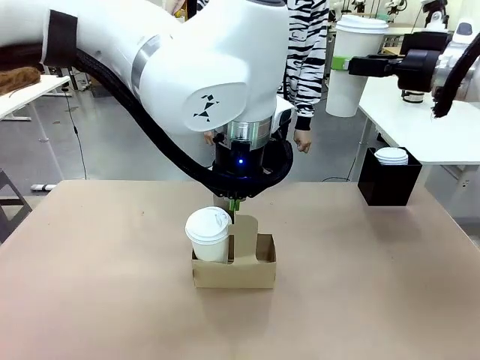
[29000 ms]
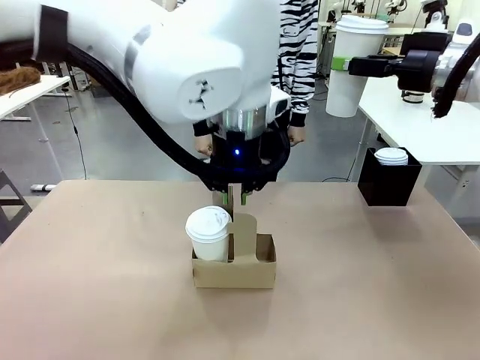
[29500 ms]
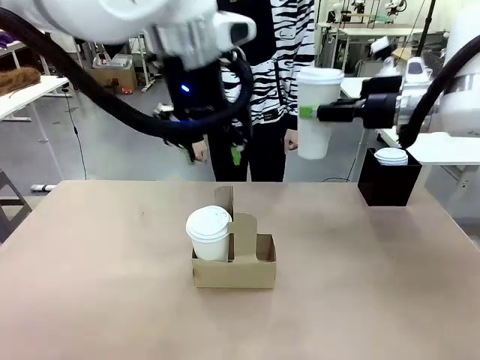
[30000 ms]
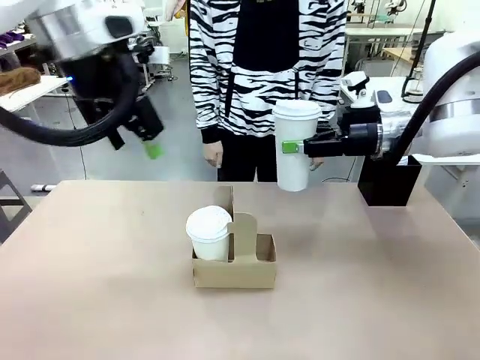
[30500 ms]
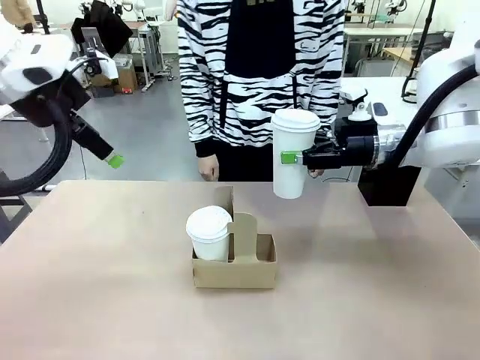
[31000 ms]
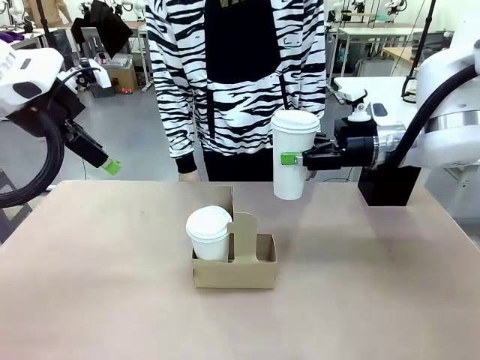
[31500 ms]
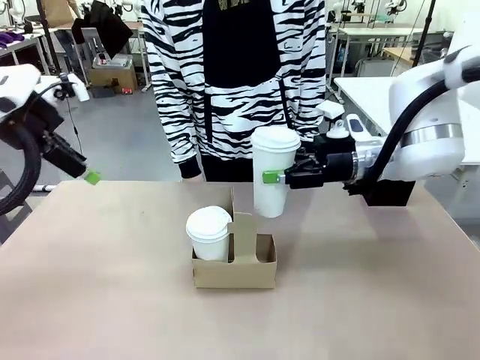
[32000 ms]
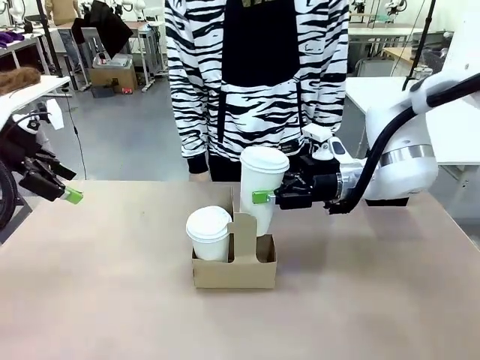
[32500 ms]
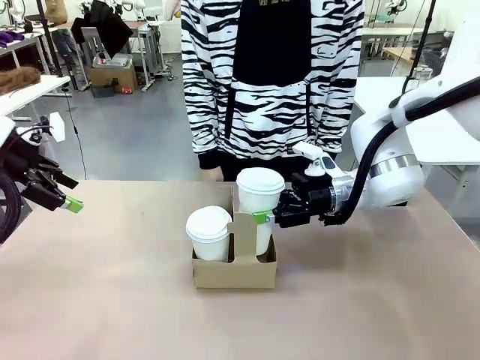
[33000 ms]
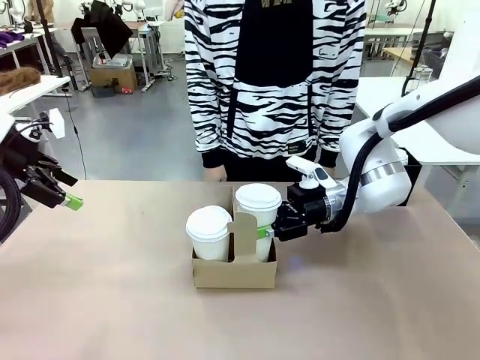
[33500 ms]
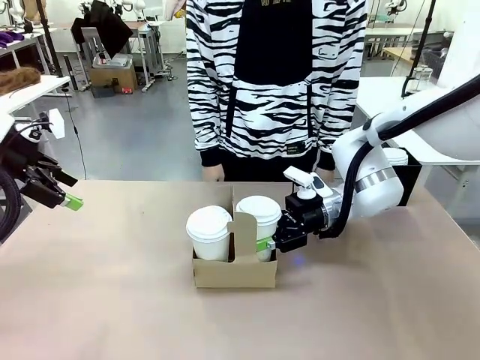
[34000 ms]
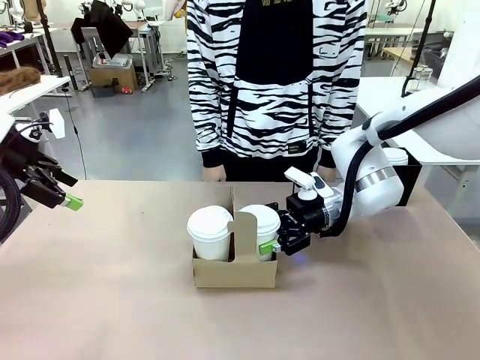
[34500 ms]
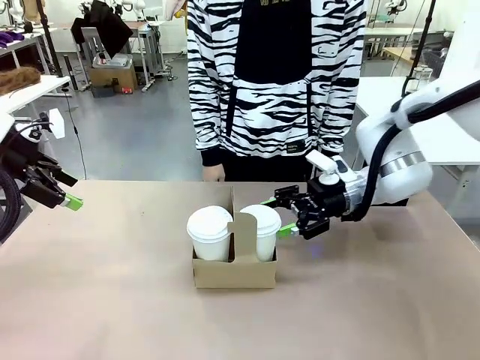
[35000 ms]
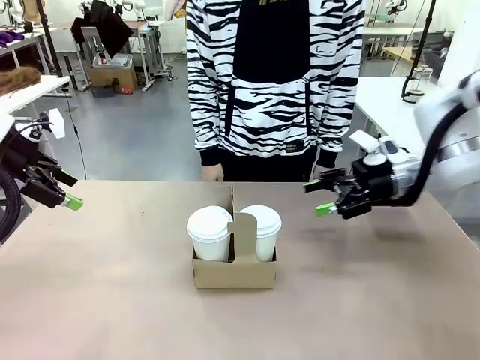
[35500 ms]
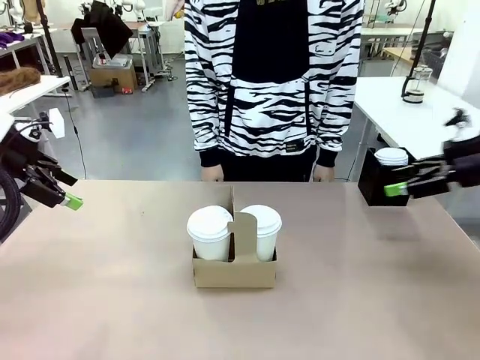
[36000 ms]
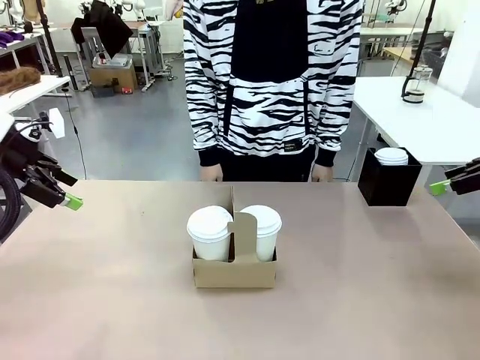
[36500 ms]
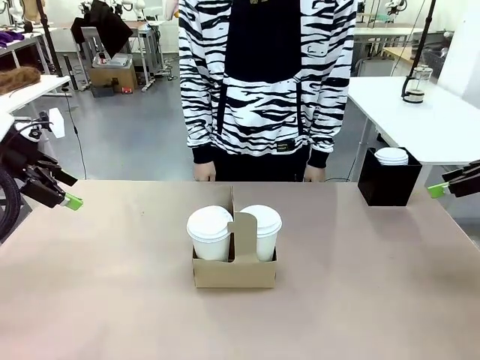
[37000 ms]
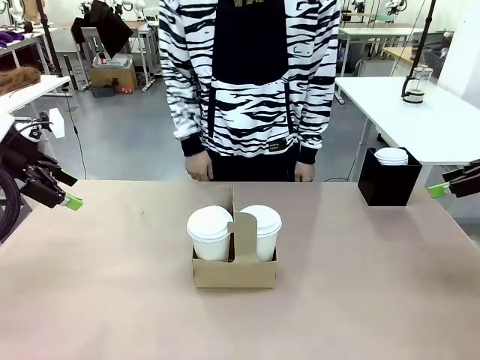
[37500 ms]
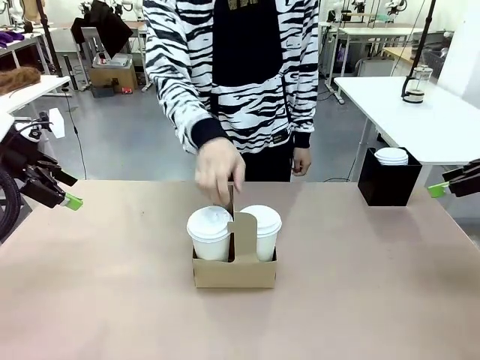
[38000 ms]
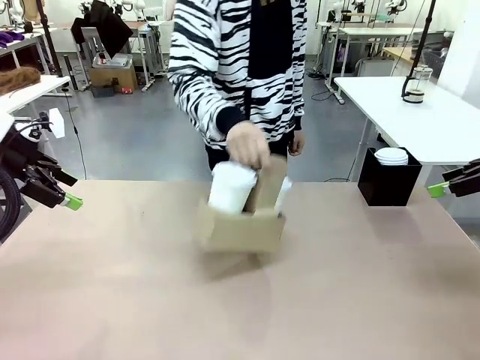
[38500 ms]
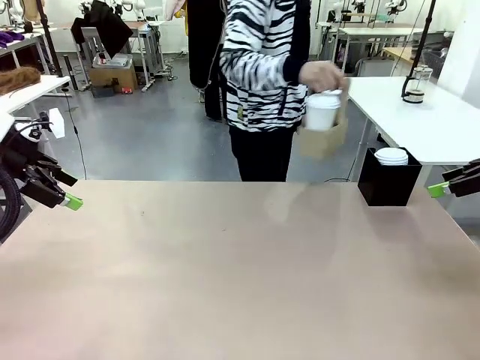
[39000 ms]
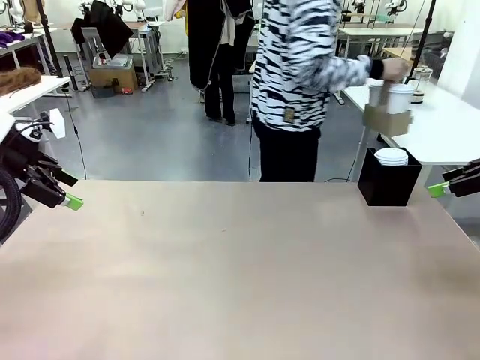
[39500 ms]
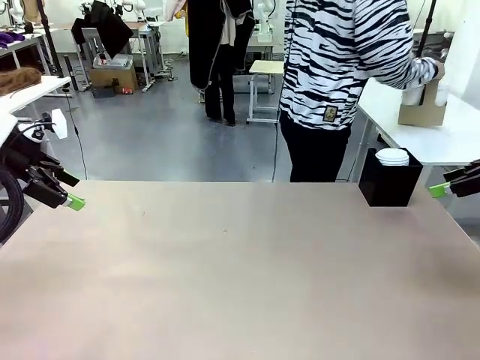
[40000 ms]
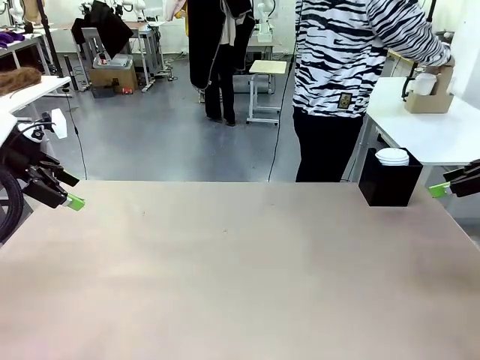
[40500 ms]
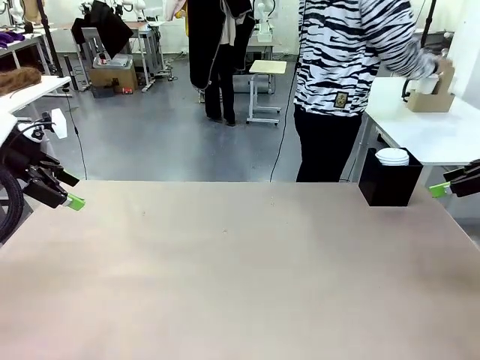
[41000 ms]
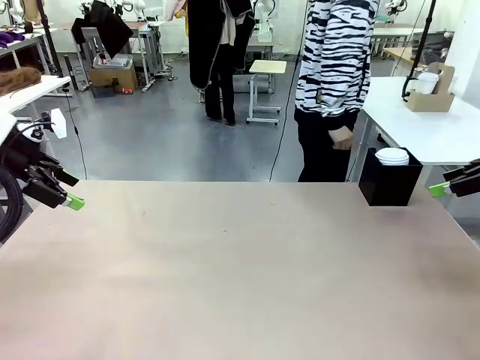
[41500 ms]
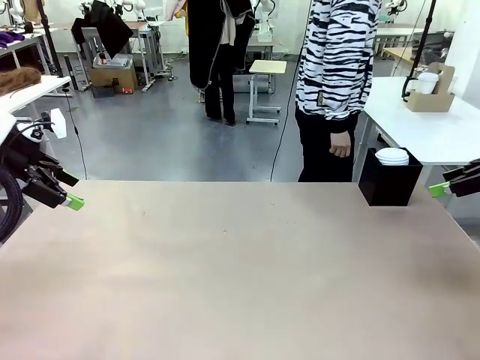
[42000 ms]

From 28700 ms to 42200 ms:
Task: Pour a drink into a cup and package it in a carrier.
Robot: Insert the held 600 ml Paper Cup into the Cup Carrier.
Person: Place the Cup Carrier to the middle of Human table.

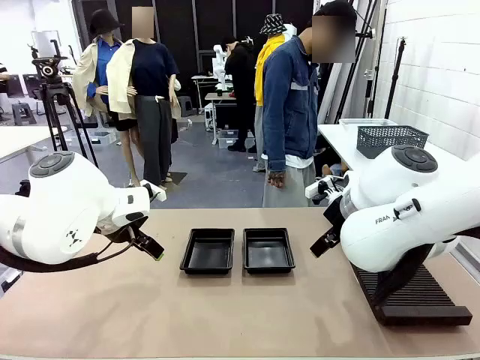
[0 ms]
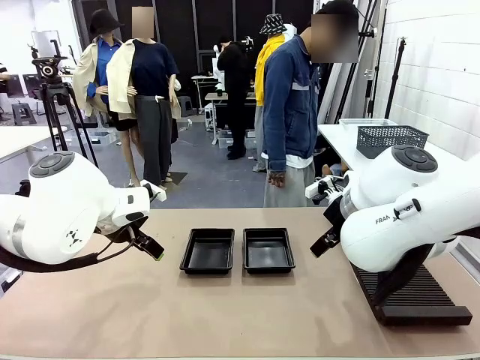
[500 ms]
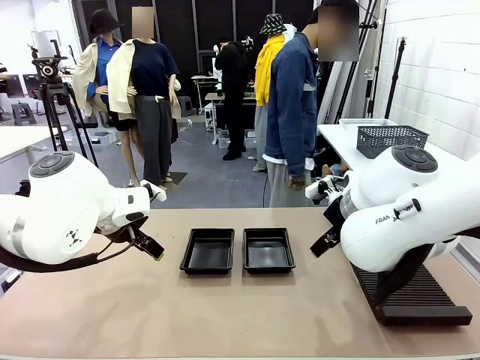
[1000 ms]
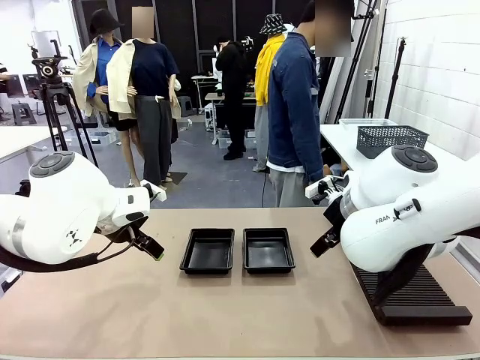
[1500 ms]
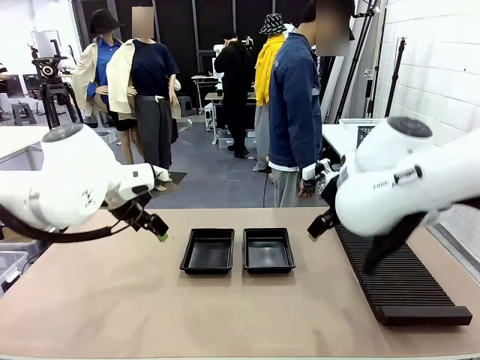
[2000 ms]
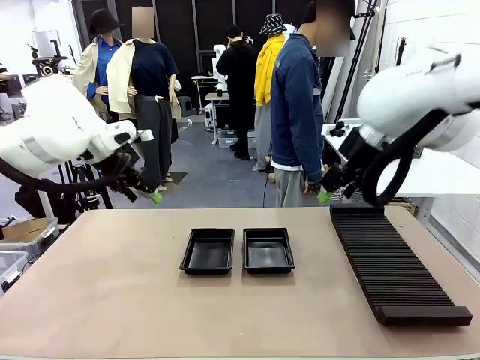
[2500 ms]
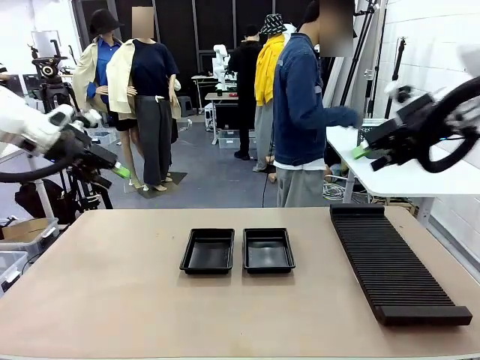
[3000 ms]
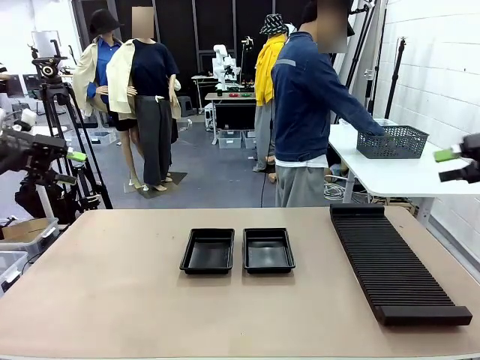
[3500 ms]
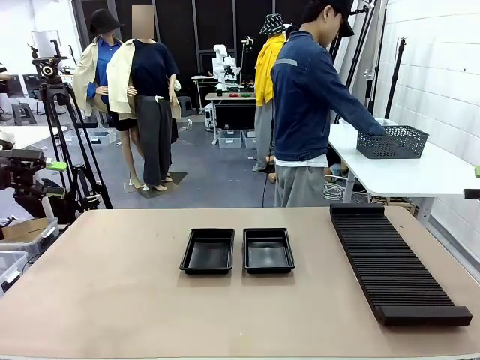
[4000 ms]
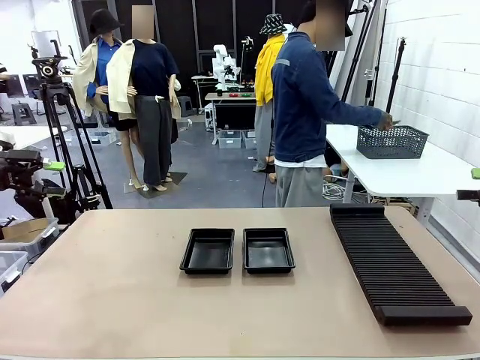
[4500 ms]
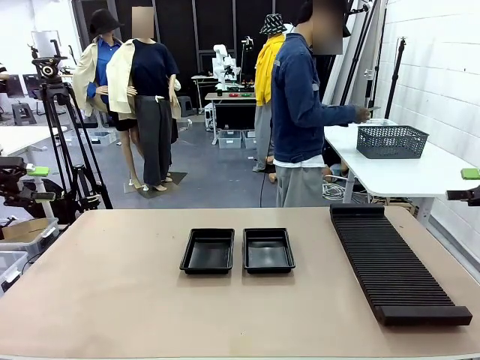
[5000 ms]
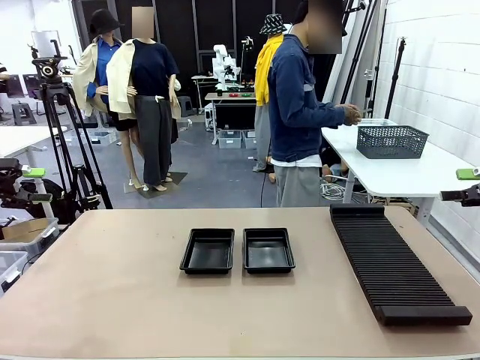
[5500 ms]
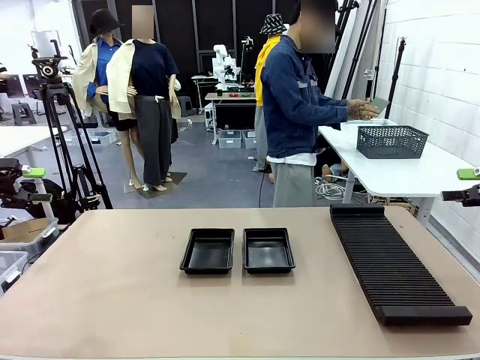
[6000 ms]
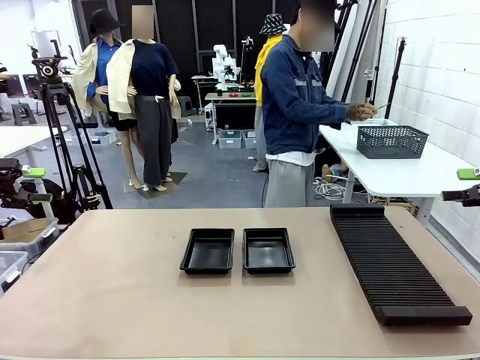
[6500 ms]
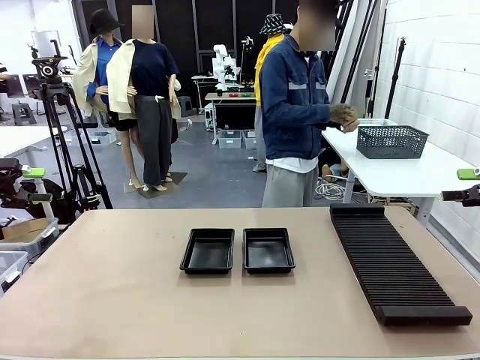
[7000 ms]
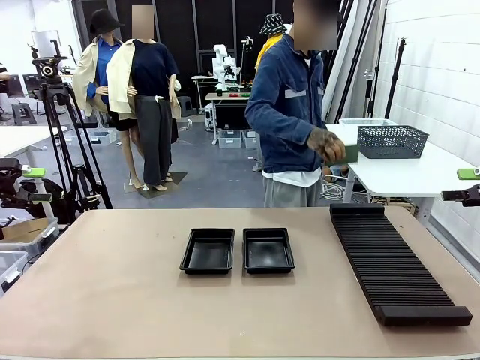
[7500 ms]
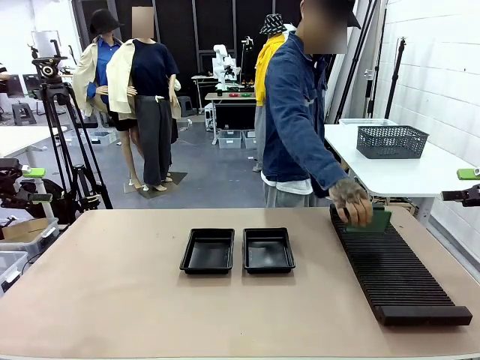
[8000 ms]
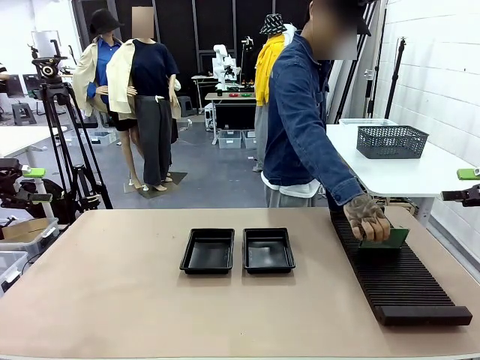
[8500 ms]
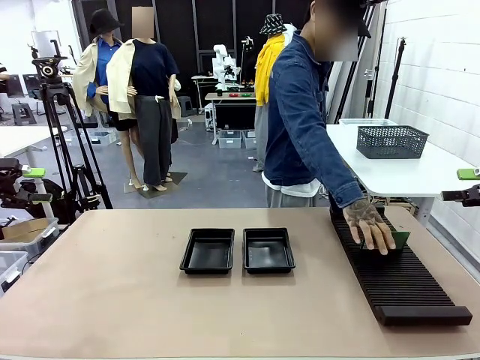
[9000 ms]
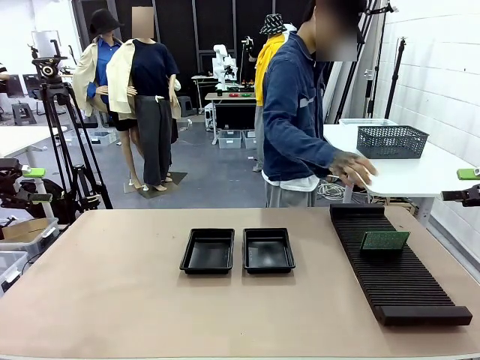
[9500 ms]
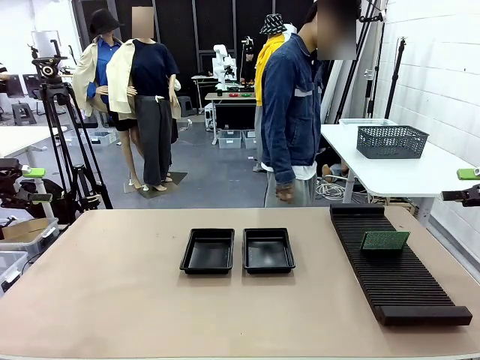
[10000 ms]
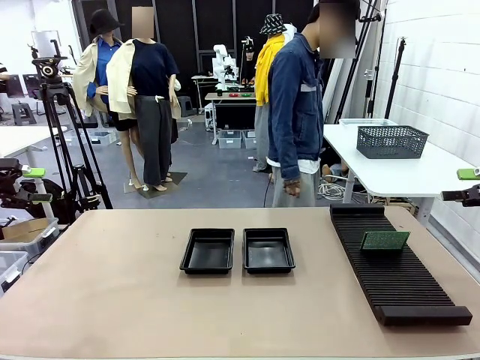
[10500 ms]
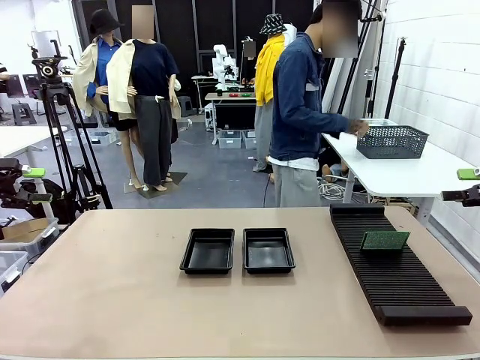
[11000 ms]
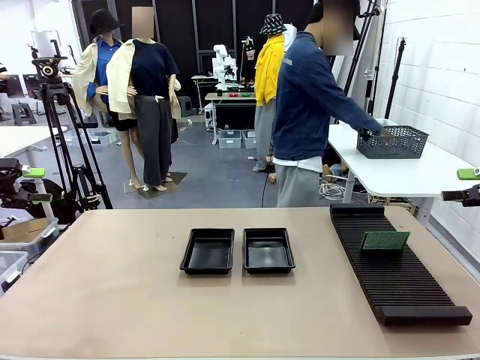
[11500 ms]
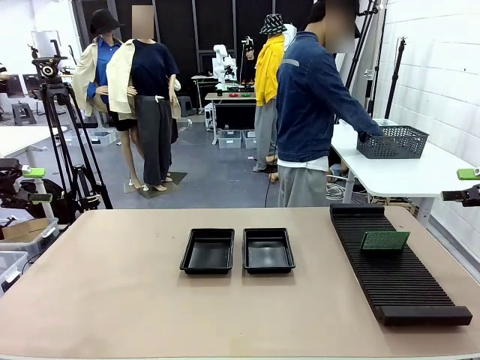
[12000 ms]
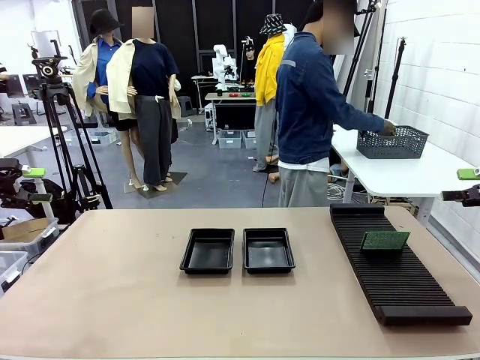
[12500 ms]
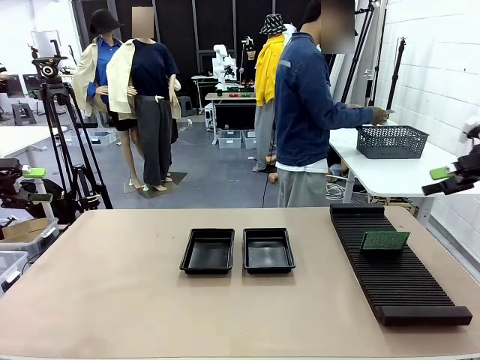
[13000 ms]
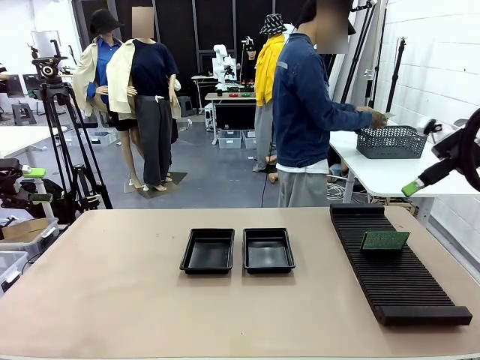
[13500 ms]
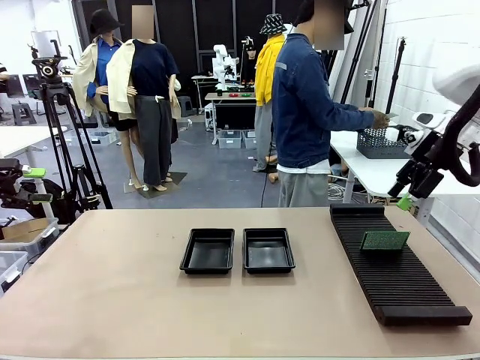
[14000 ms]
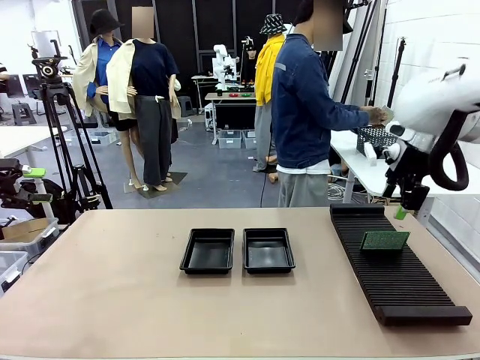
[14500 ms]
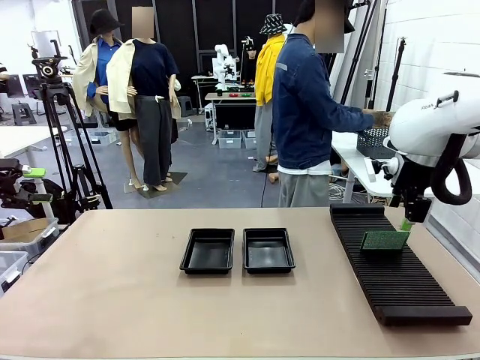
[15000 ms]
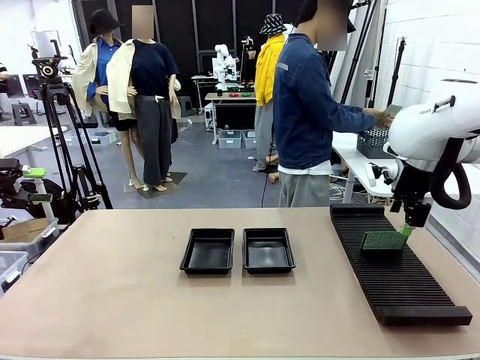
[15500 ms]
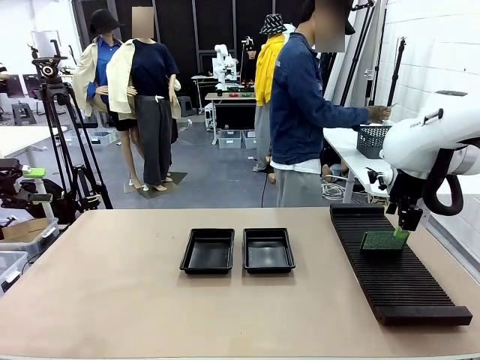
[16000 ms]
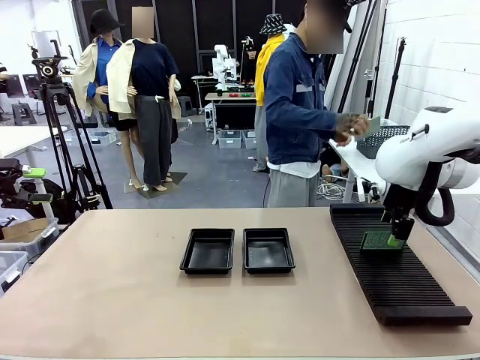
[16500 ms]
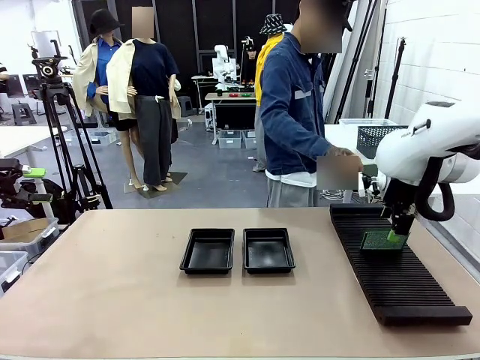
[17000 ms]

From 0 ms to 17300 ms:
Task: Inspect and transfer BCBs to ESD trays.
Robot: Pick up the Blank PCB from the PCB Rack and place it in the left ESD tray.
